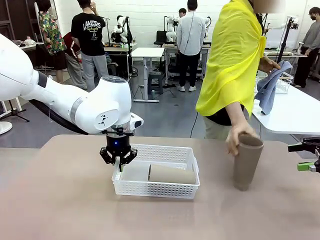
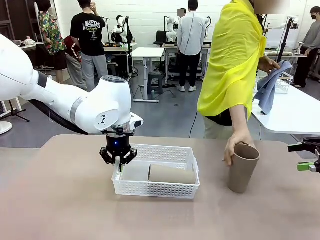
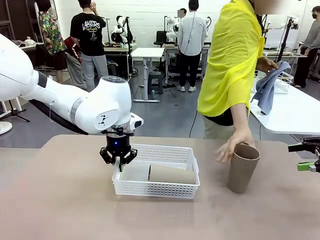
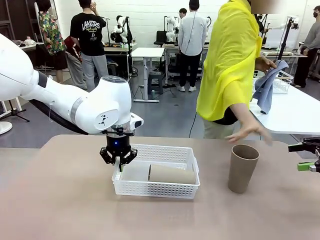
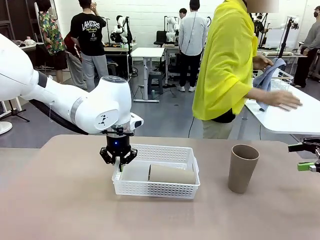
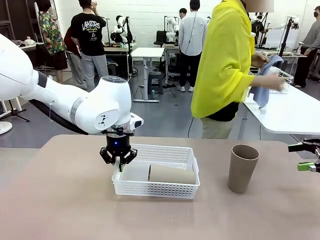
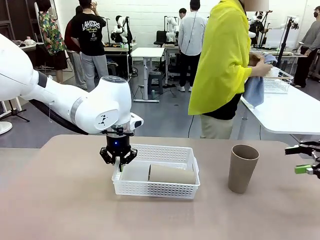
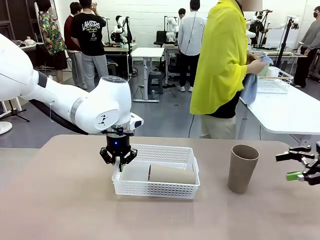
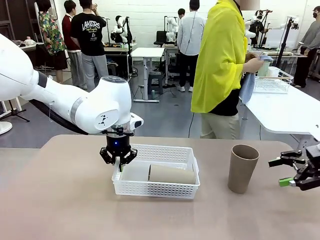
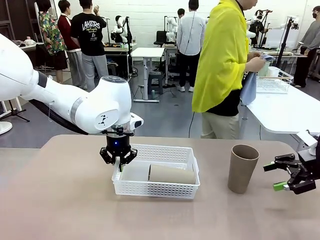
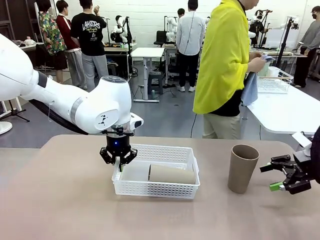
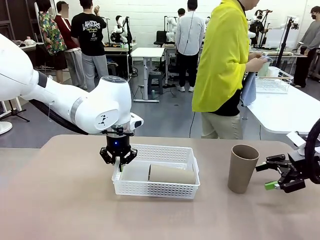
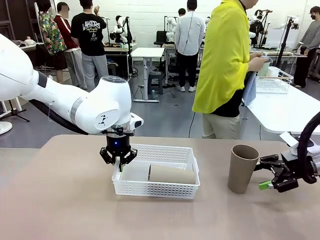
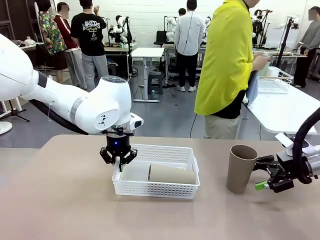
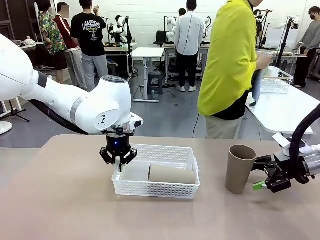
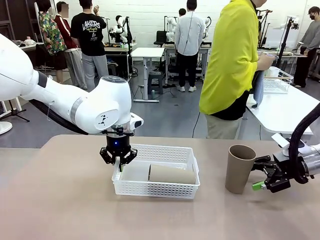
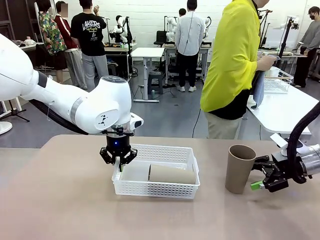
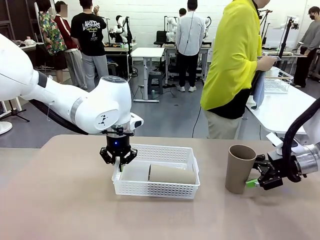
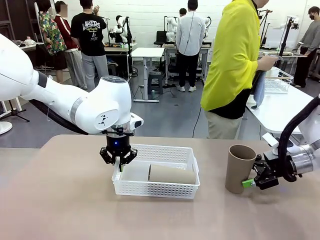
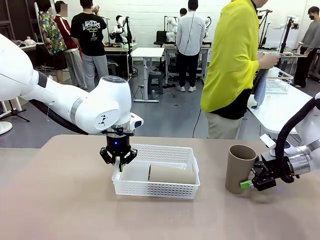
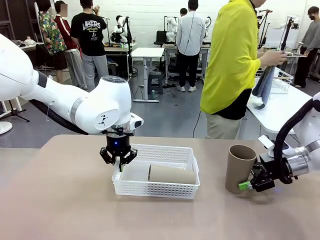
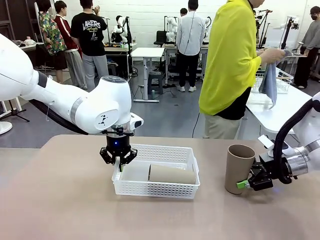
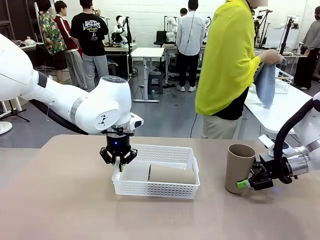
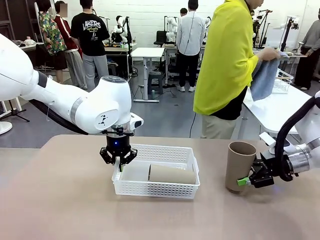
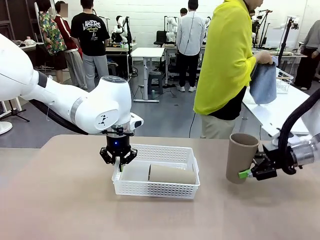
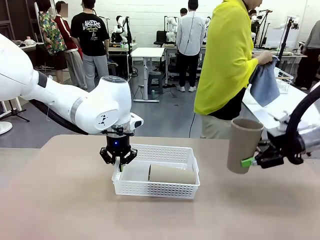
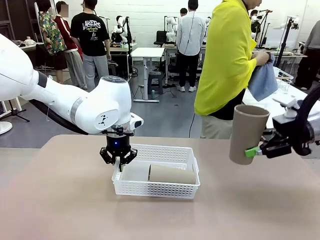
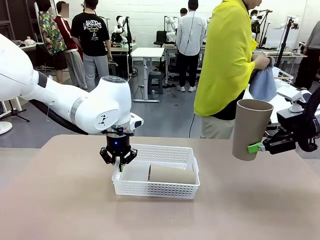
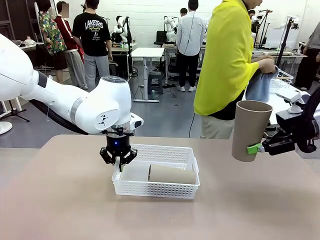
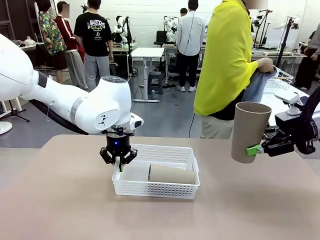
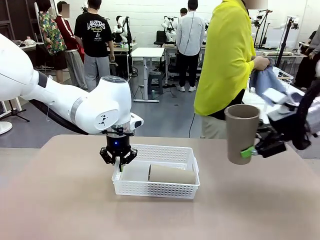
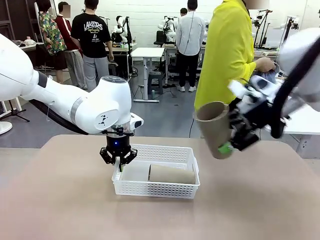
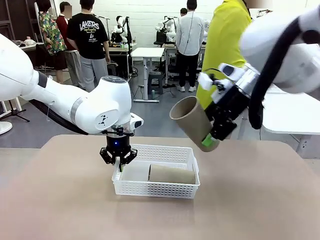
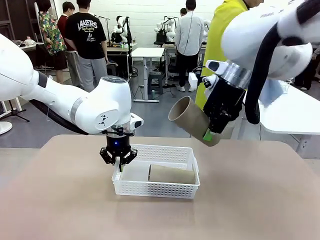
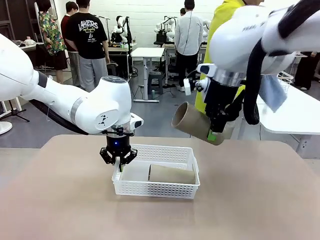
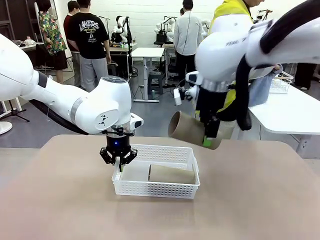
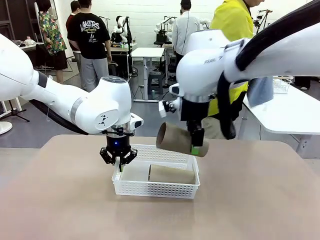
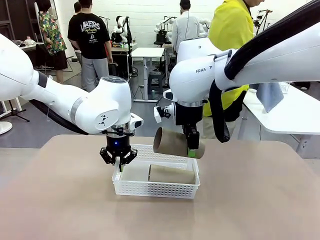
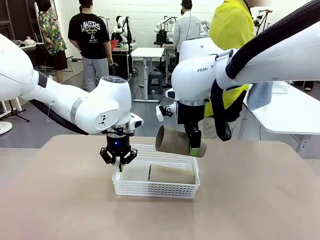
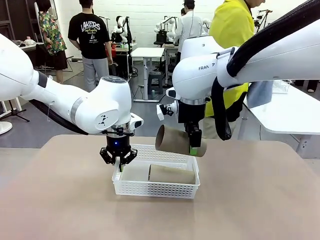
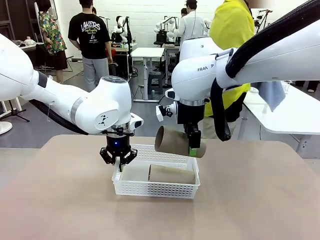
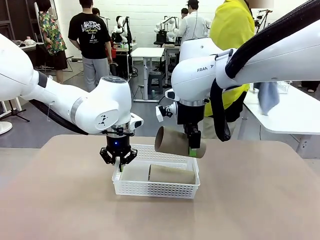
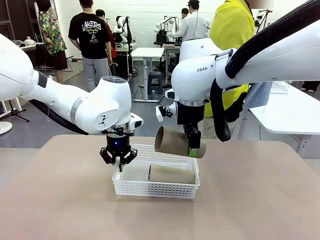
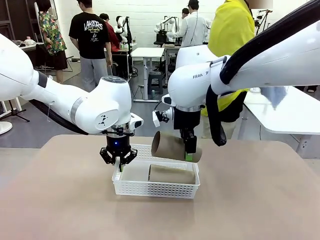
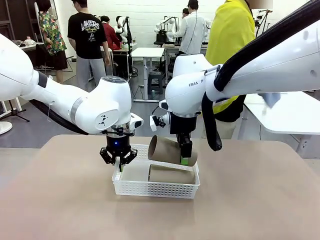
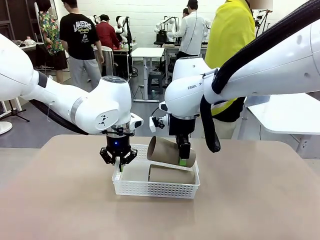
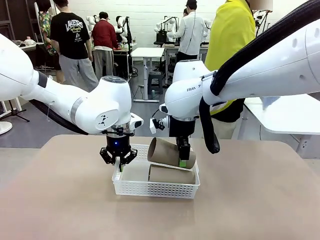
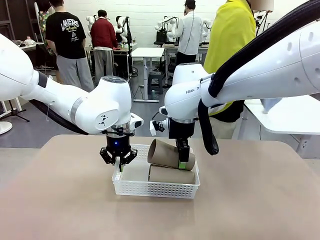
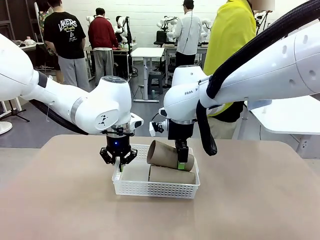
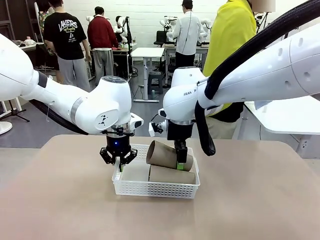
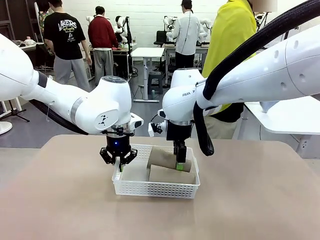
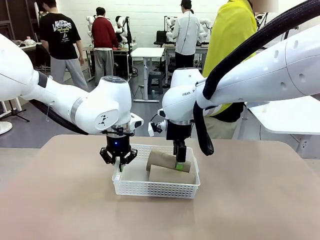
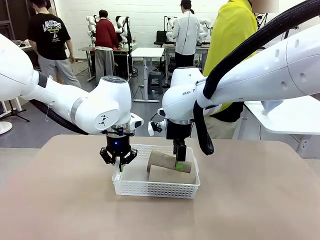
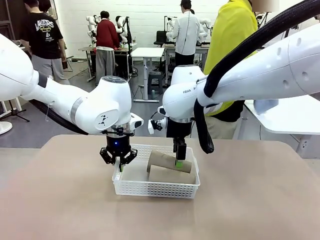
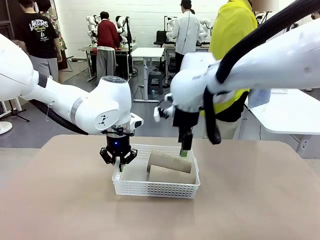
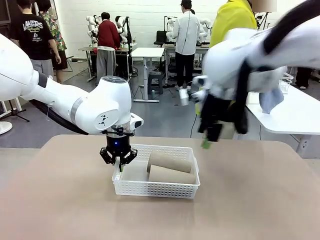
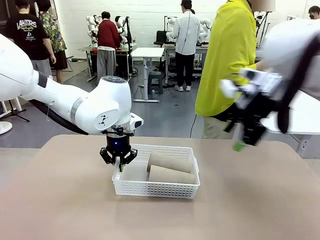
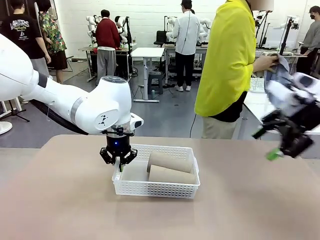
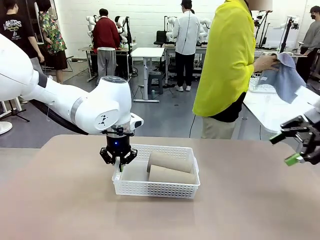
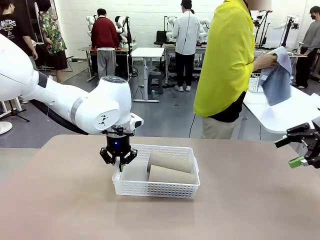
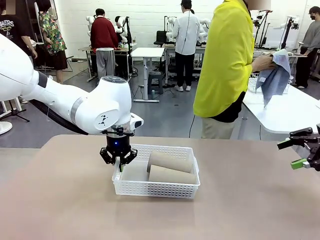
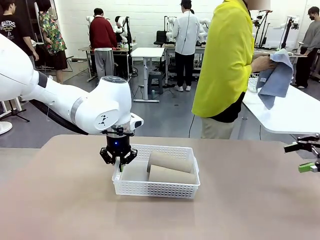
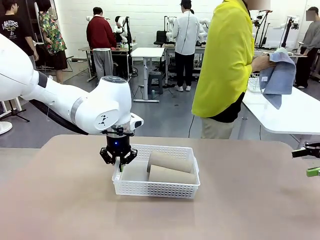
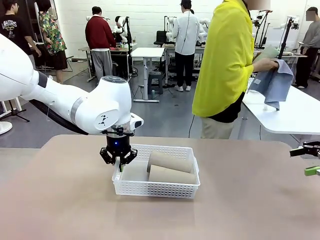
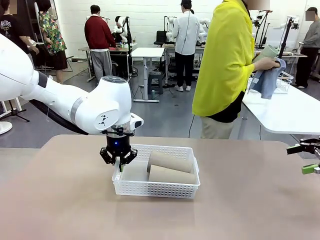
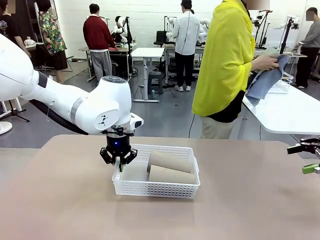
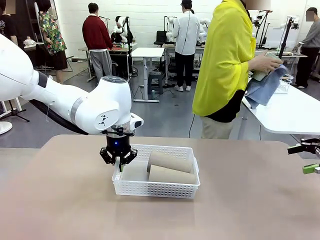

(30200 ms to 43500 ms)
Task: Clean and organize the cups into the basket.
Robot: Pick up the Reusable plastic cup from the right side of the table and stack it inside the Organizing basket in the center of the table.
